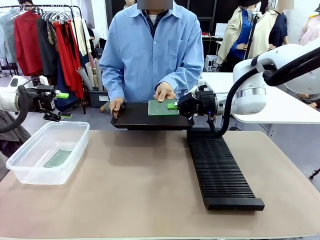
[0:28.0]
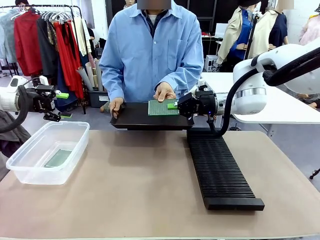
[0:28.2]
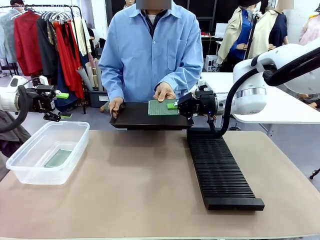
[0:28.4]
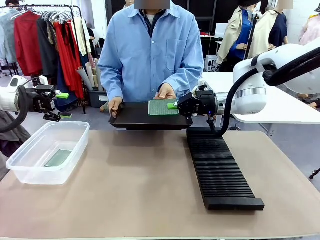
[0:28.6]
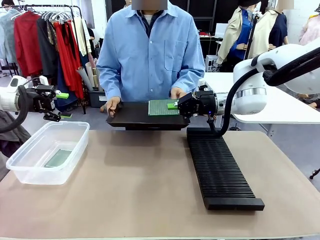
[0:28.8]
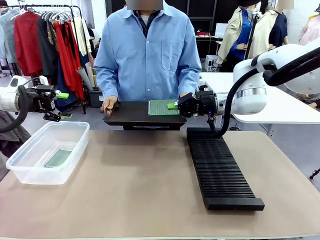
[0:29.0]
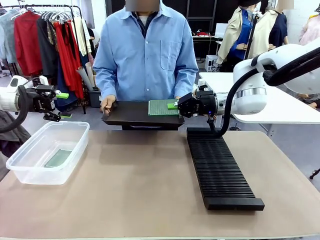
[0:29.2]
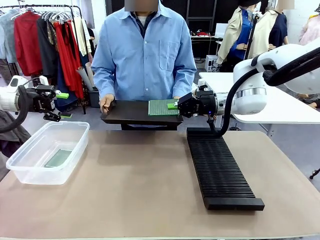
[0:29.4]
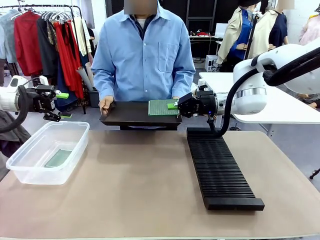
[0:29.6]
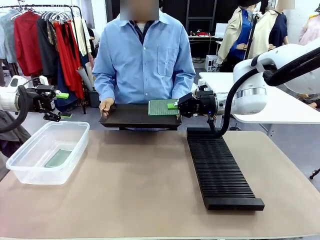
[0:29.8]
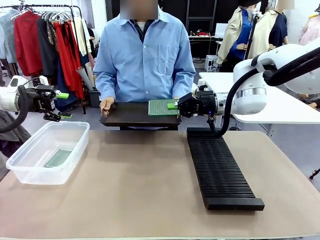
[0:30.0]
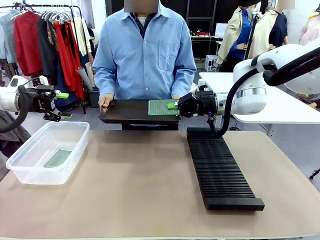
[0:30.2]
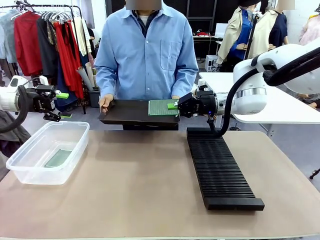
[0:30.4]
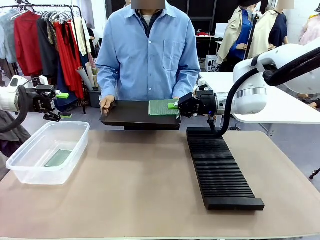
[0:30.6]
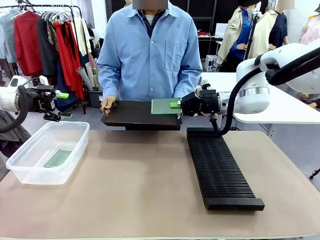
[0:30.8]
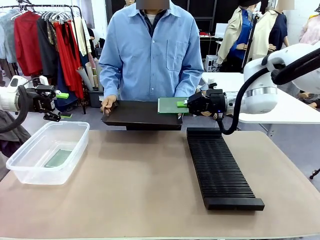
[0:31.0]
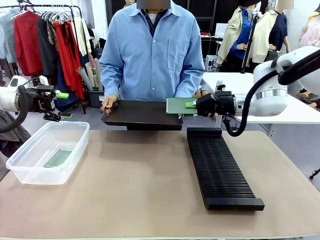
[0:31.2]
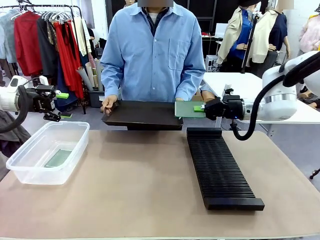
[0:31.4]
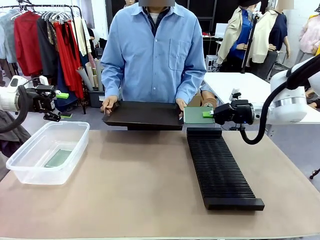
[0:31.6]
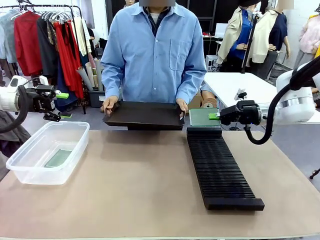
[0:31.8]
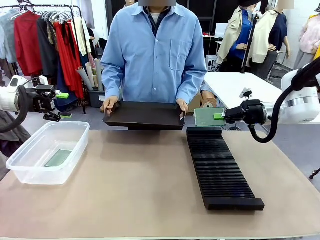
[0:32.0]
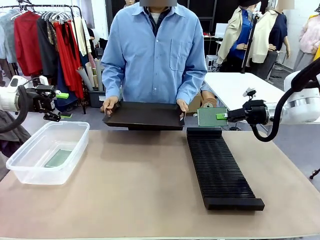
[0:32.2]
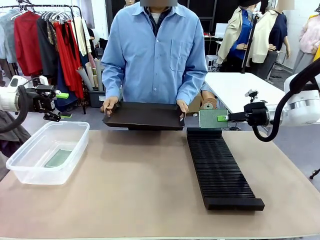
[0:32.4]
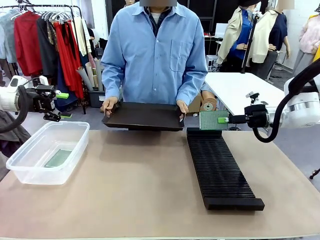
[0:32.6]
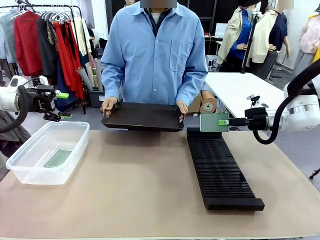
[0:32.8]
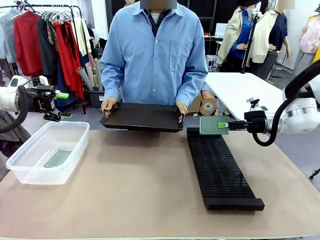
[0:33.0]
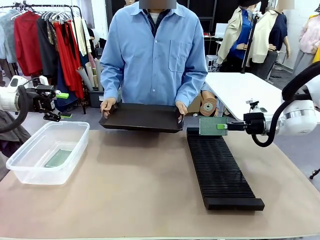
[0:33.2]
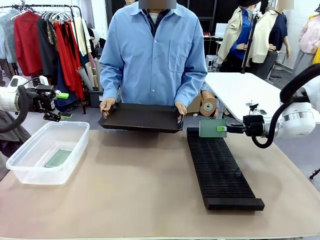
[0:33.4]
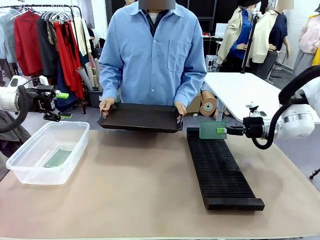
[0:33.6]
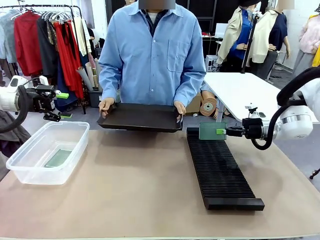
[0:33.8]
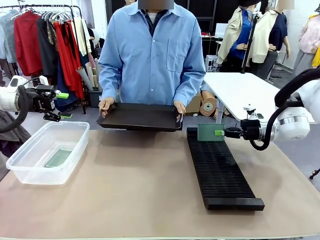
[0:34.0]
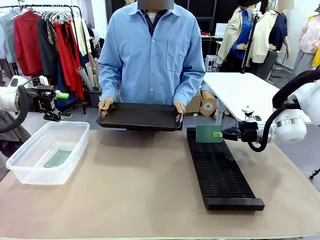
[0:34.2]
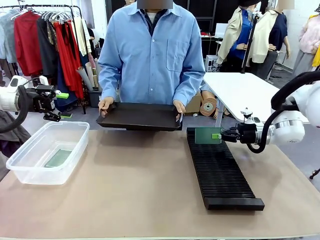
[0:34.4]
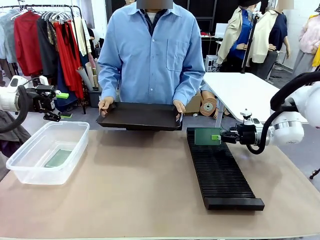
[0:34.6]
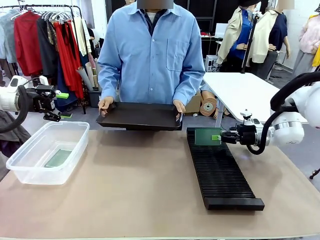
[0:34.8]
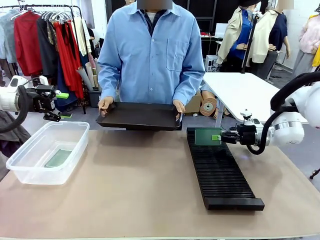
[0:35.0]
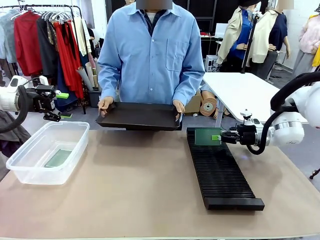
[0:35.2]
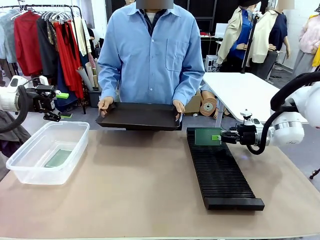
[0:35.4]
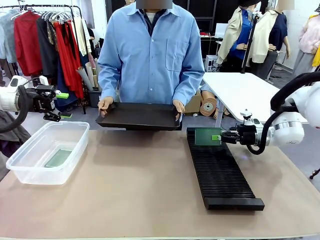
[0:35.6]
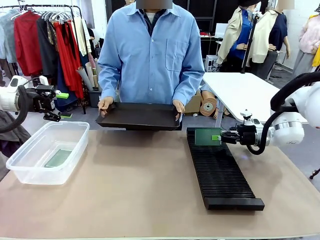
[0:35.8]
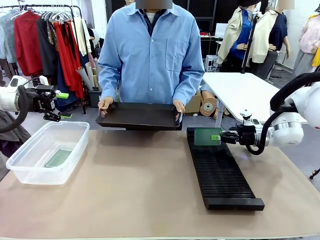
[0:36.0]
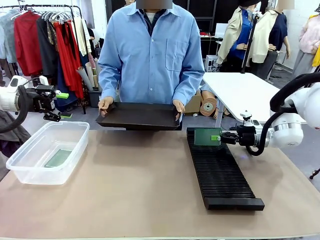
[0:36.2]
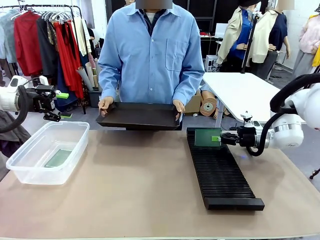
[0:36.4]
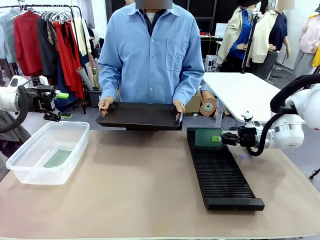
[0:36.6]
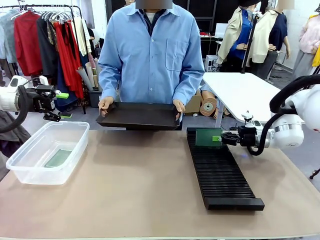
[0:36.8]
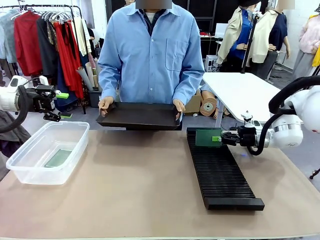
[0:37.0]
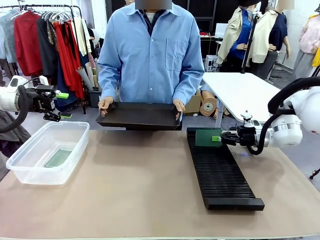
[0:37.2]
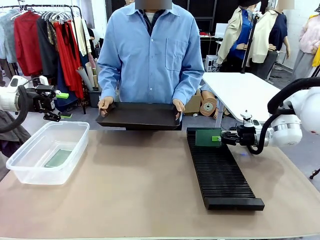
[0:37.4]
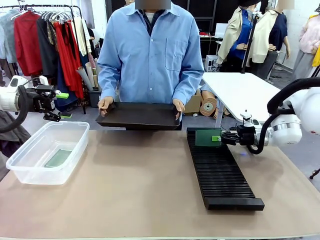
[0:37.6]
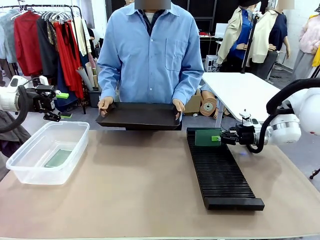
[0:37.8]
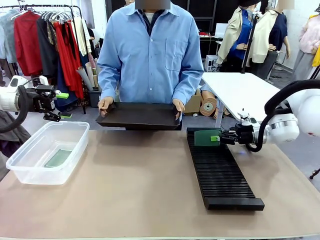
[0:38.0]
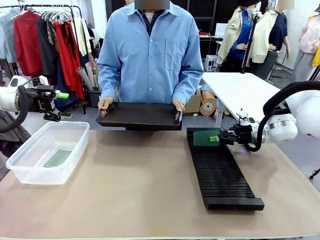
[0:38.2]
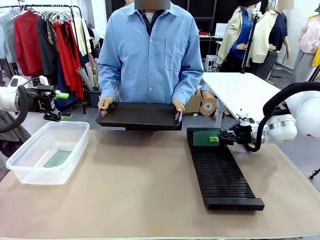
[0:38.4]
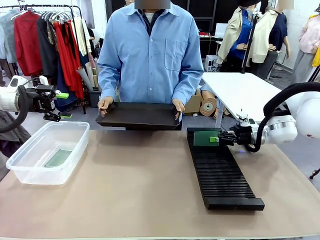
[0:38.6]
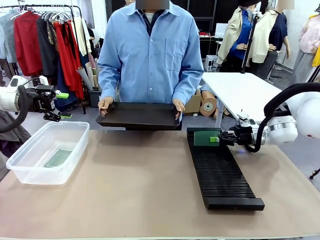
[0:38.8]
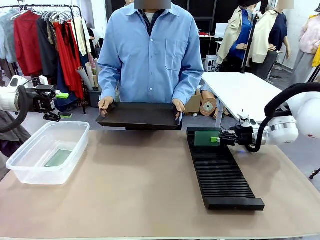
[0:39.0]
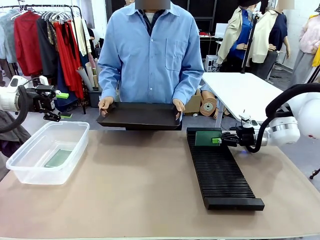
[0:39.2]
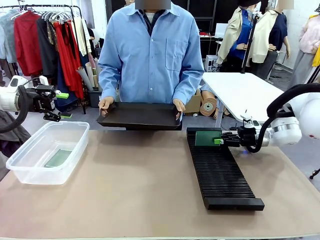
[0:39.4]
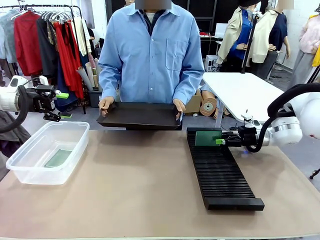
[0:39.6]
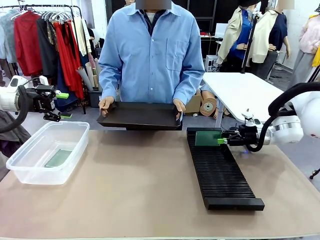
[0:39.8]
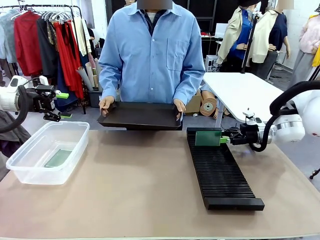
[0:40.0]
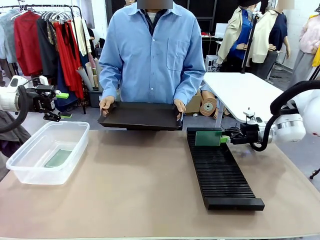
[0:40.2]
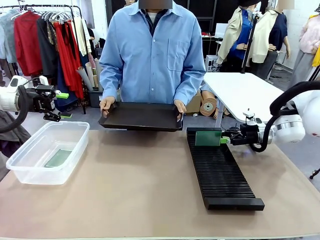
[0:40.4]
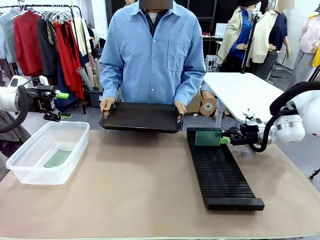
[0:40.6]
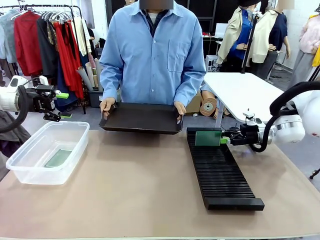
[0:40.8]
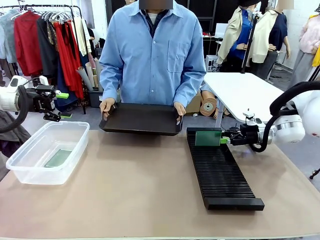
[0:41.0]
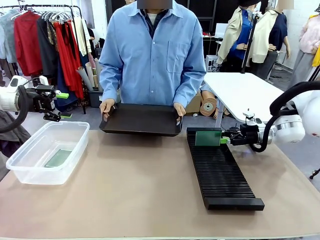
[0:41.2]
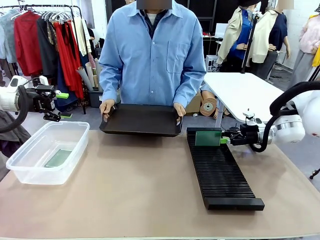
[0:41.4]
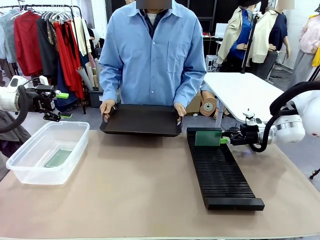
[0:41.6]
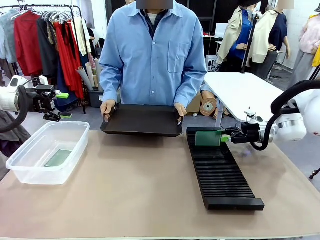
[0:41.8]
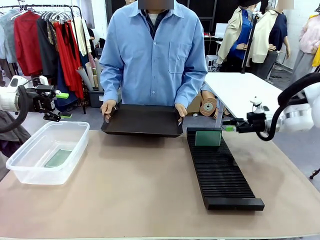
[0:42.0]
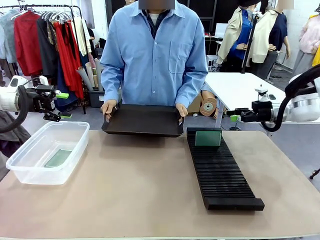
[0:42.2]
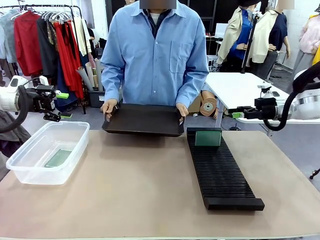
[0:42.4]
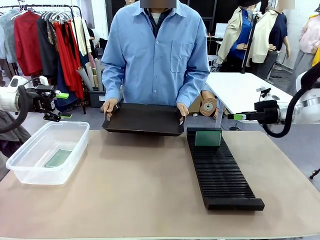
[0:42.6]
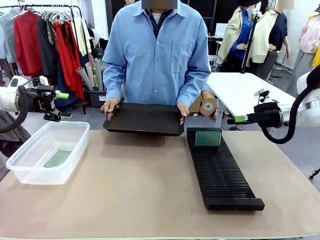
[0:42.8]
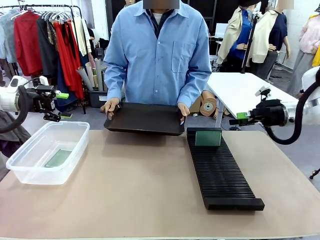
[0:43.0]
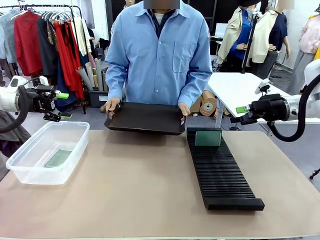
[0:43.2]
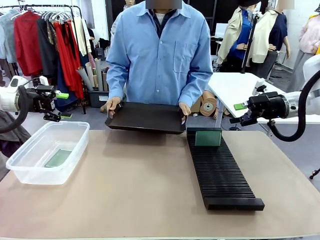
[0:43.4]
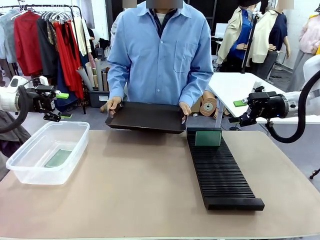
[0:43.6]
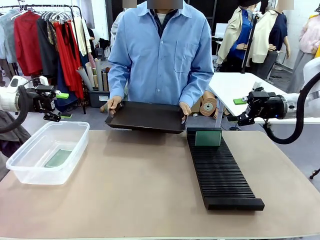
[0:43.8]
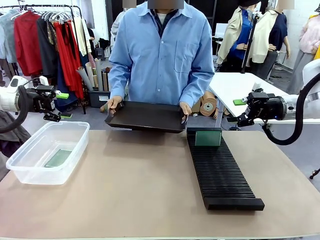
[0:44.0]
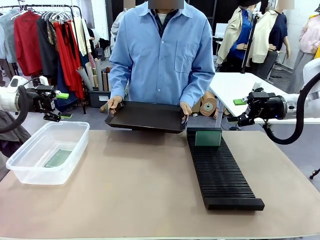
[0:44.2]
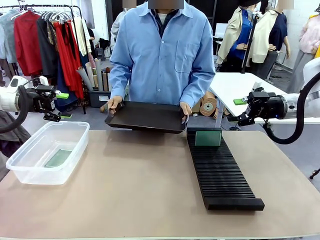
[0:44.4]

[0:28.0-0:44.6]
Task: Sort PCBs into racks and boxes based on the side picked up.
Robot: If the short side of the Blank PCB is picked up, insert it into the PCB Rack ; if the long side is picked up, place it in the Organizing box.
Person: Release the PCB being held.
